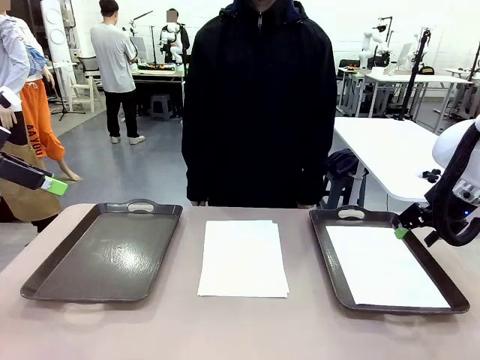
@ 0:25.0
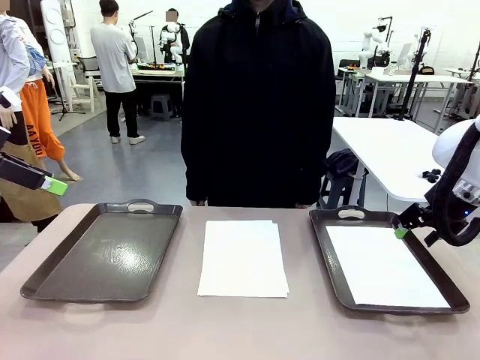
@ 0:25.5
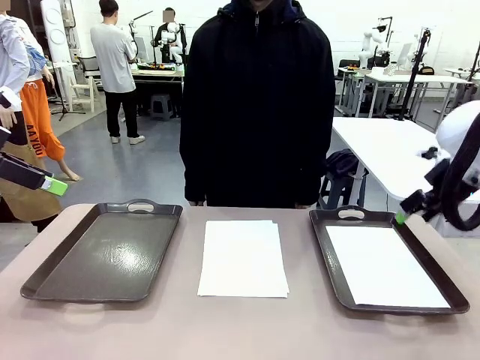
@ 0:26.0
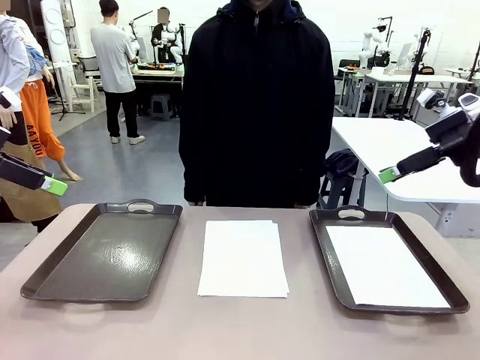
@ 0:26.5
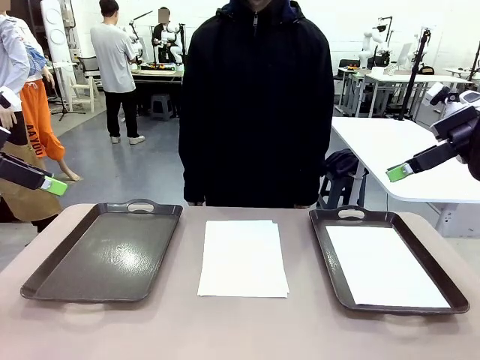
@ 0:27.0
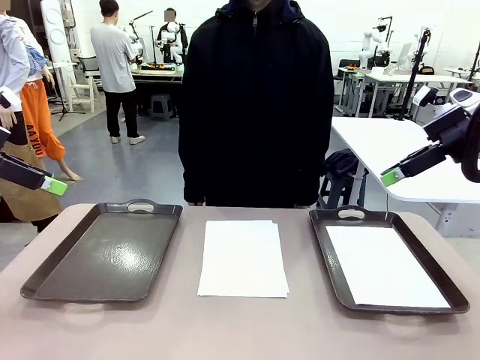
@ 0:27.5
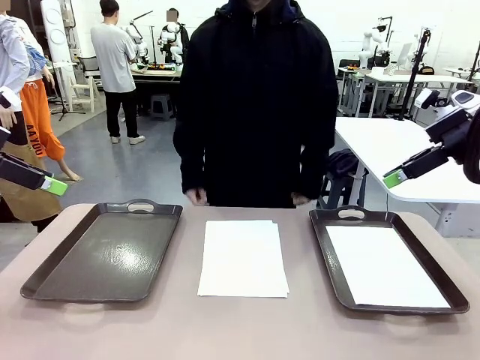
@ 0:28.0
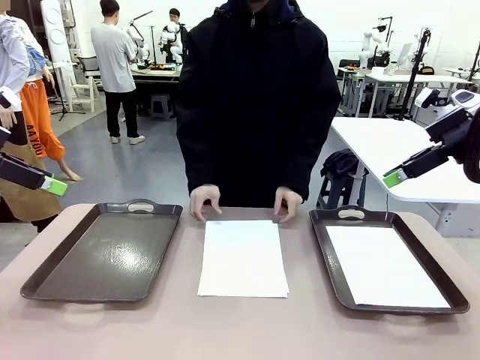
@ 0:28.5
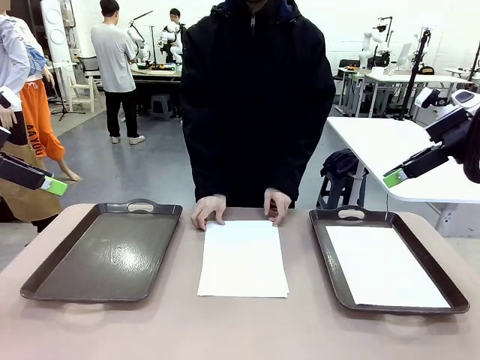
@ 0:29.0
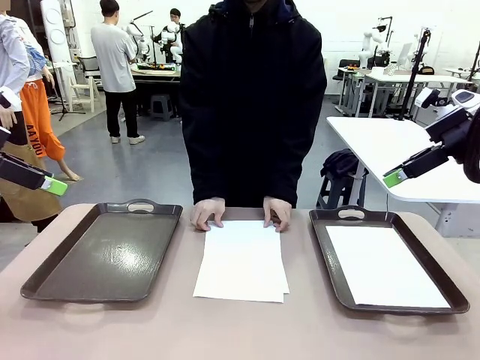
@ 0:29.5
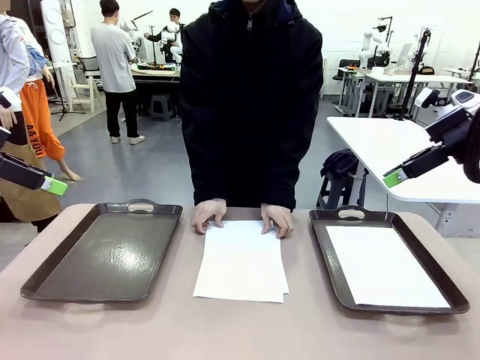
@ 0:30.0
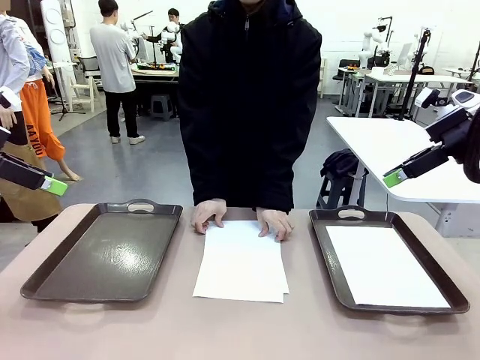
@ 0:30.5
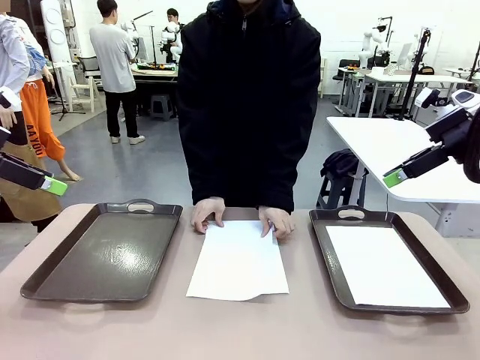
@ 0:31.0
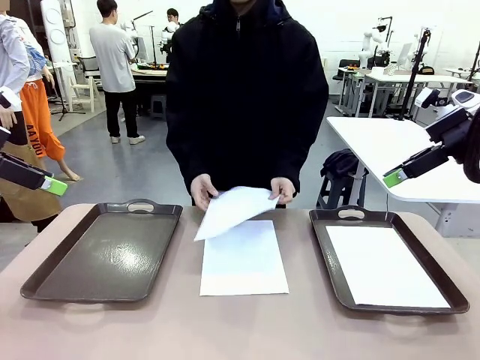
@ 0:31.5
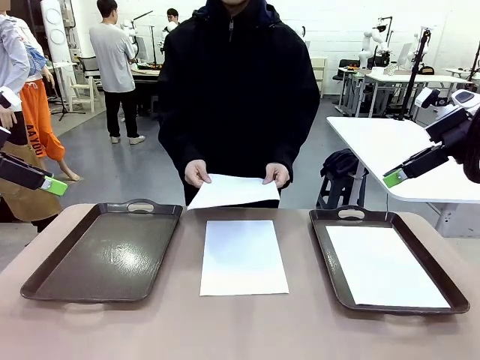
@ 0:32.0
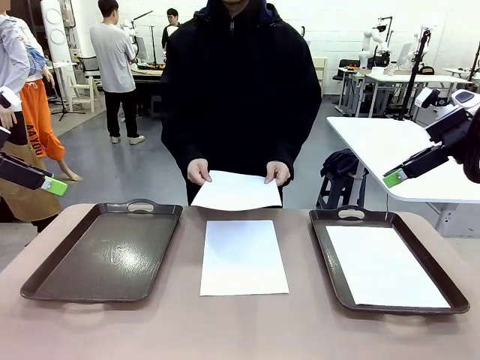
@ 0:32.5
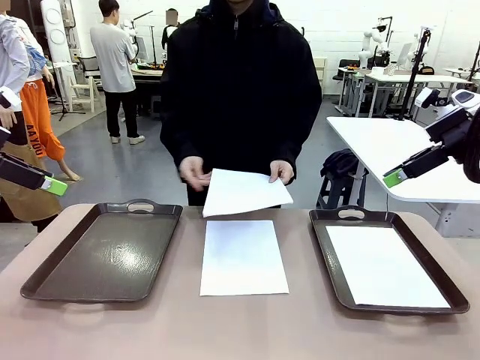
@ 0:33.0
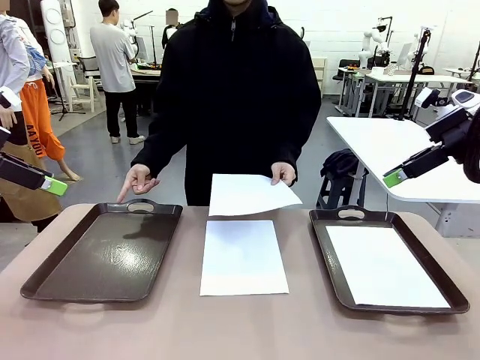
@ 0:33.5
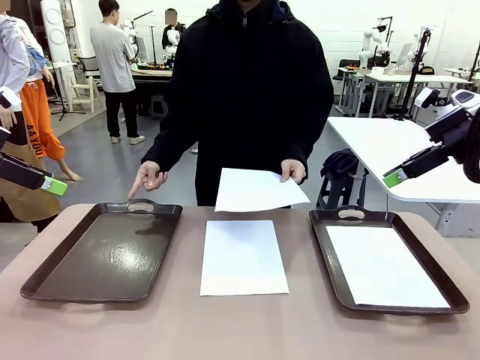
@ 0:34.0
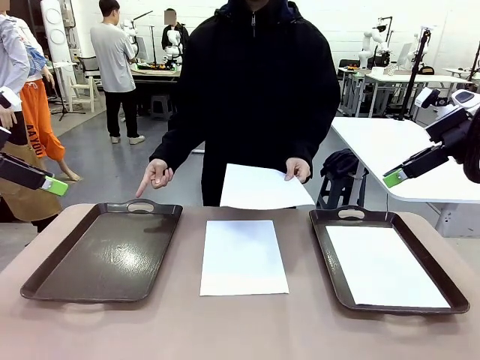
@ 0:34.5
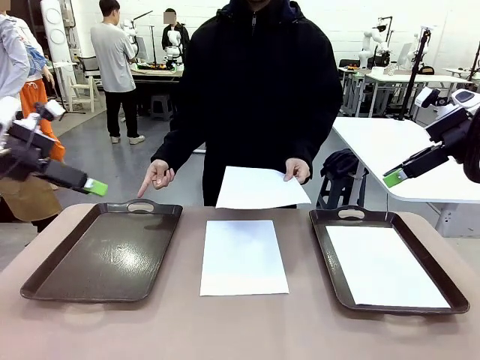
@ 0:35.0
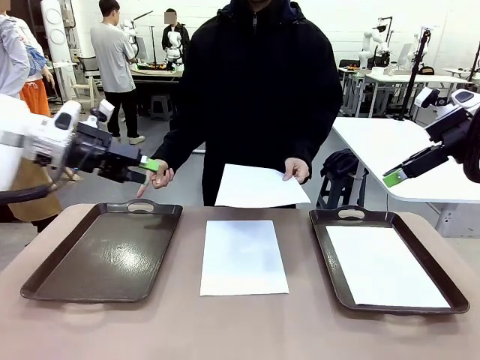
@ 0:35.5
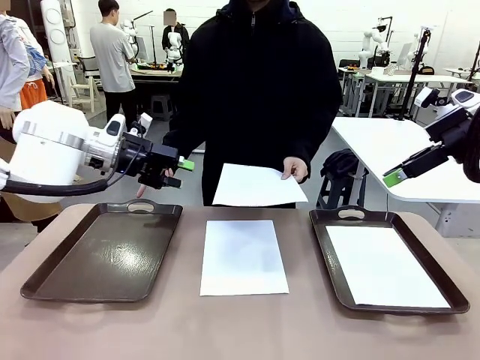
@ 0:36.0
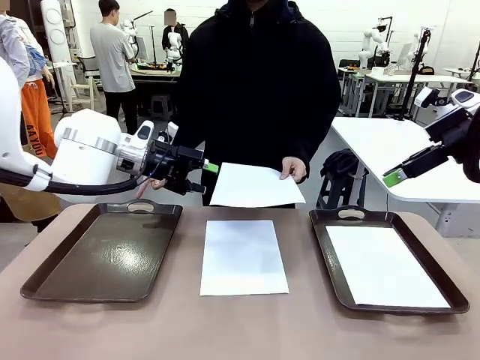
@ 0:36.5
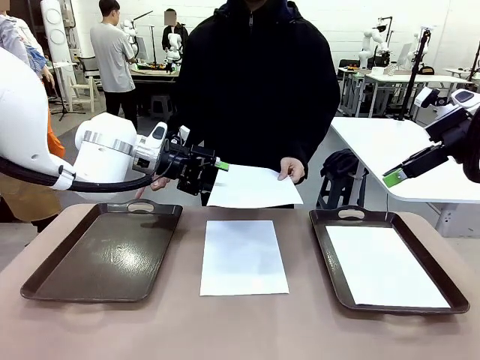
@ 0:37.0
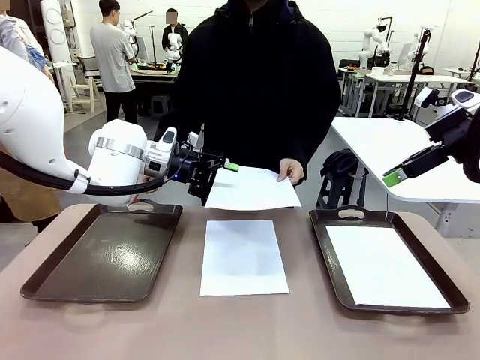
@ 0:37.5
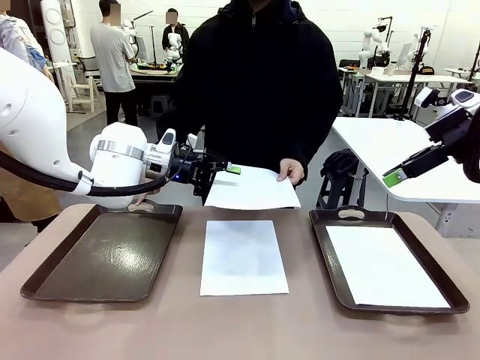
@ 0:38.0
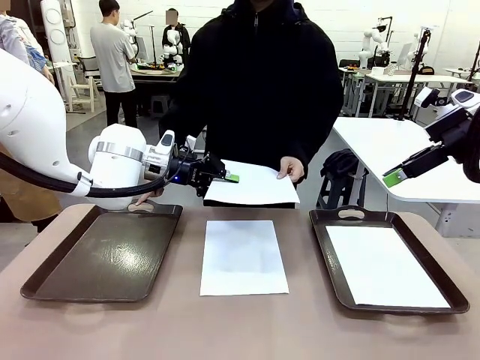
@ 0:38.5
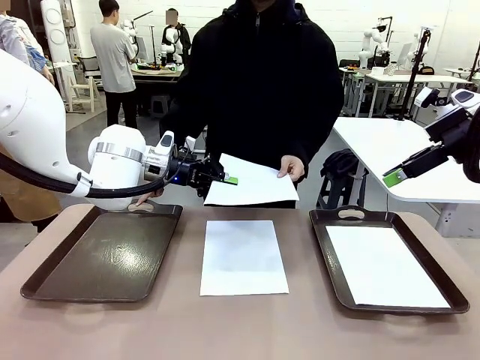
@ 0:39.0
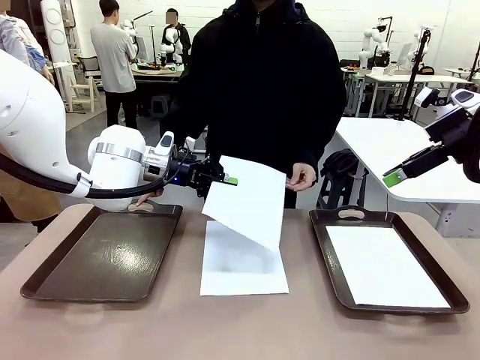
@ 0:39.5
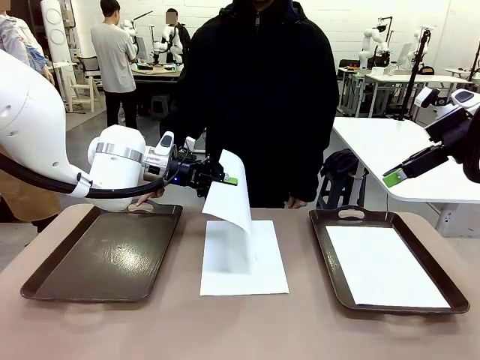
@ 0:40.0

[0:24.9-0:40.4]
Task: Sort the A4 documents.
Robot: Receive the A4 Paper.
Person: Point the randomly selected tray with the other hand.

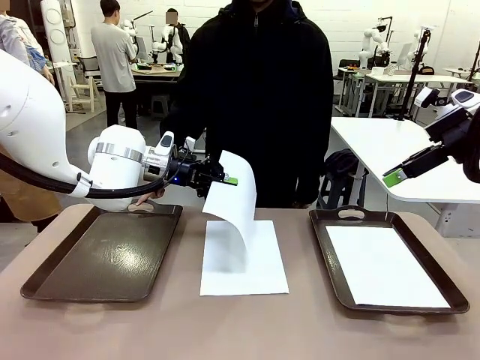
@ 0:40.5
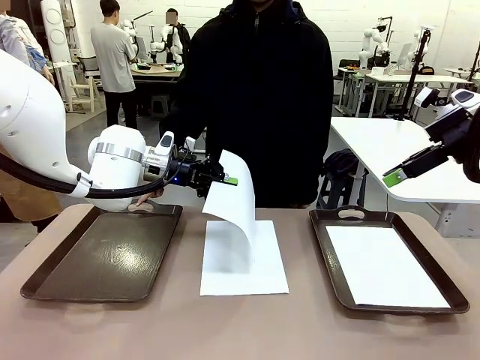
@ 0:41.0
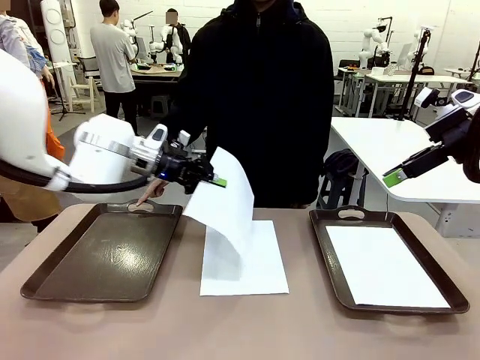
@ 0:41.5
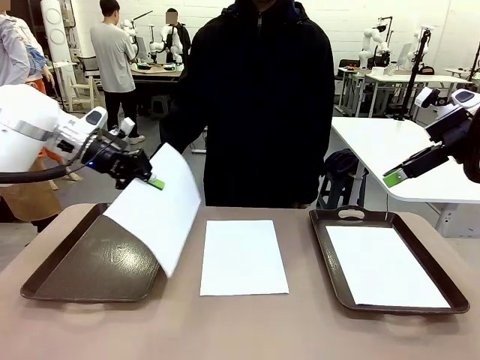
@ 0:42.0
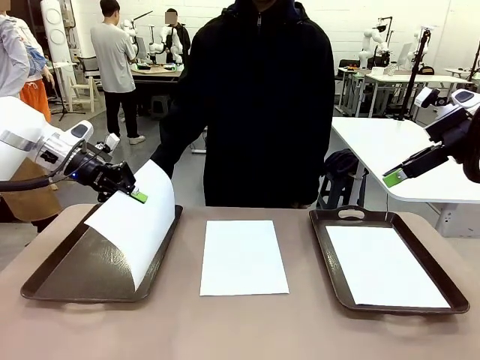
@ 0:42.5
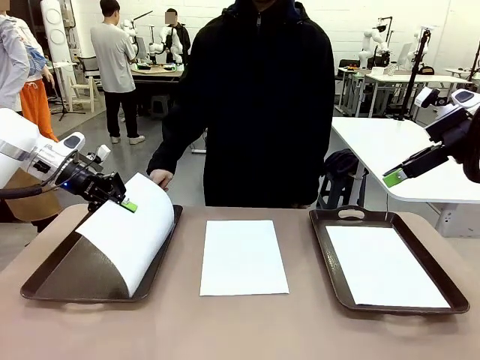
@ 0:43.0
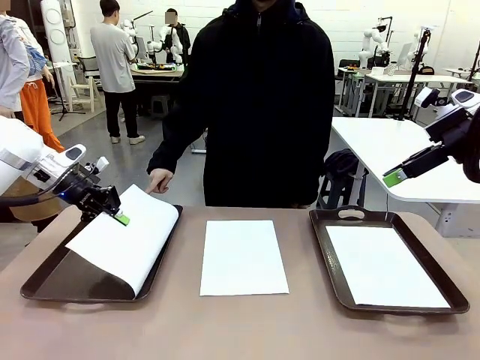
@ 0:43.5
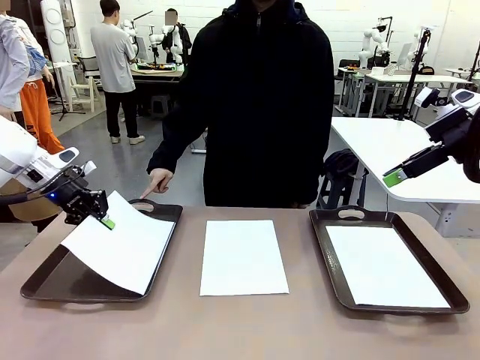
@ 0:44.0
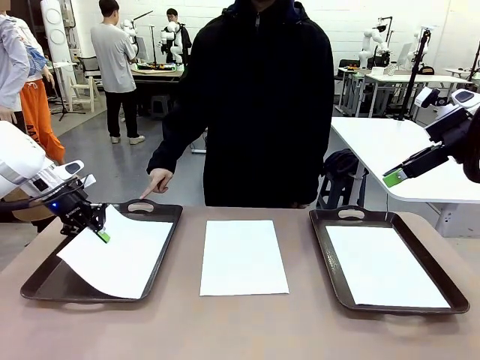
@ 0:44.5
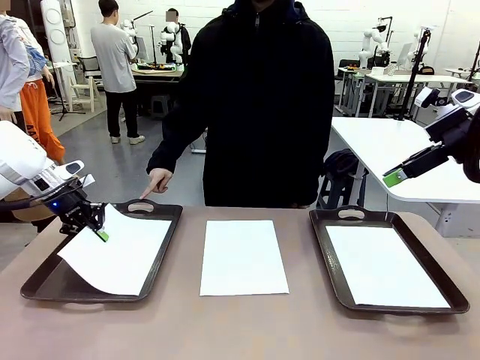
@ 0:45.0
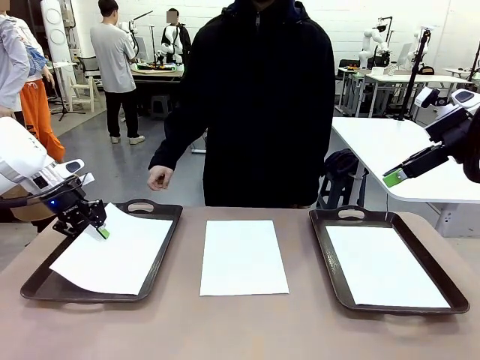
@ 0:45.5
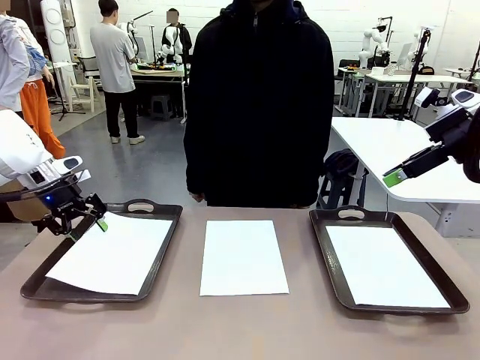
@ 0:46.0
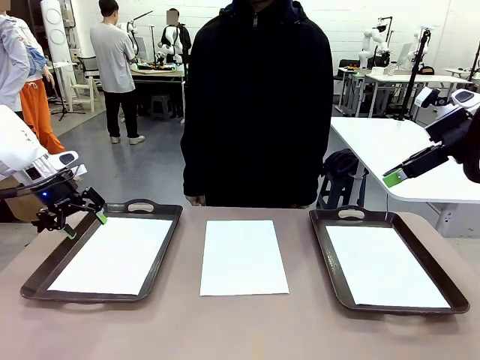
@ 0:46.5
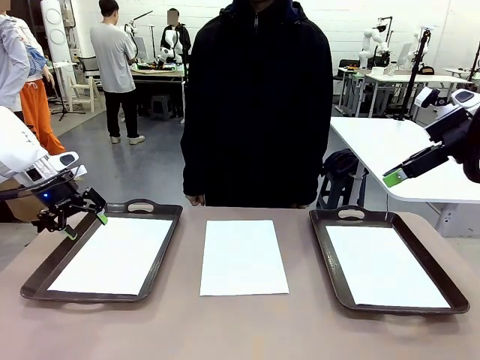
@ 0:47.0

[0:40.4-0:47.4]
Robot: Place the A4 Paper in the designated Handle tray.
